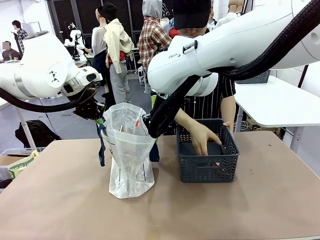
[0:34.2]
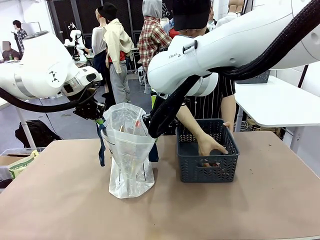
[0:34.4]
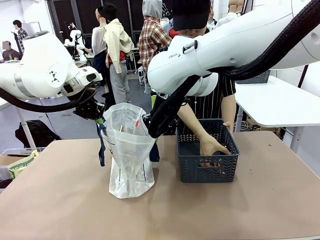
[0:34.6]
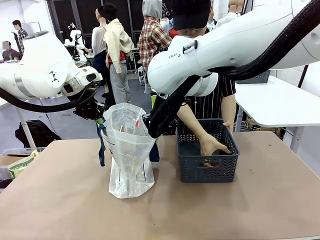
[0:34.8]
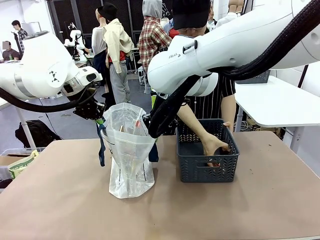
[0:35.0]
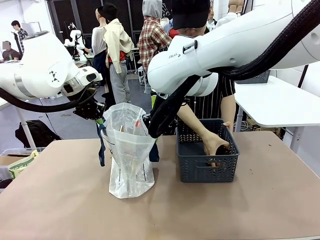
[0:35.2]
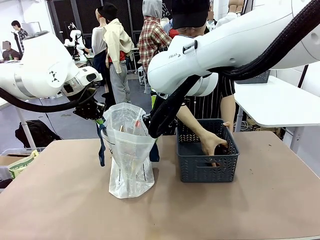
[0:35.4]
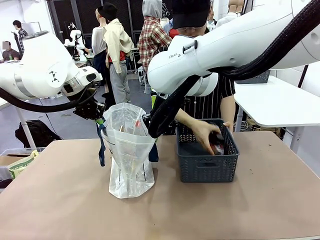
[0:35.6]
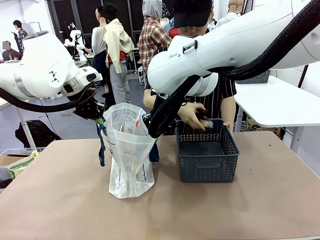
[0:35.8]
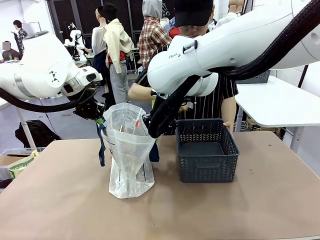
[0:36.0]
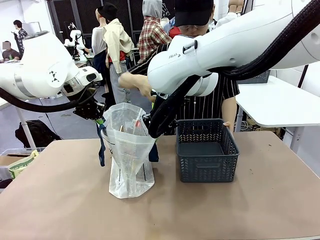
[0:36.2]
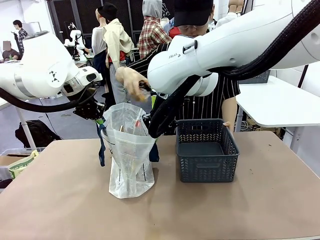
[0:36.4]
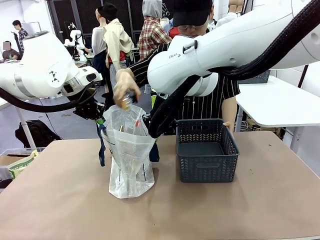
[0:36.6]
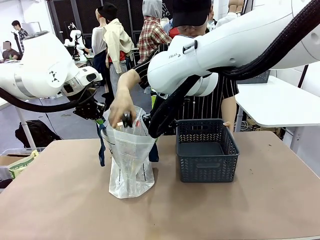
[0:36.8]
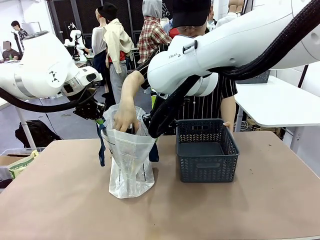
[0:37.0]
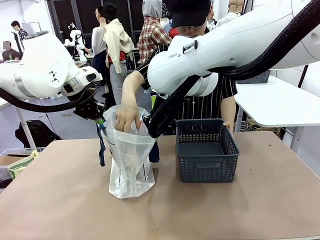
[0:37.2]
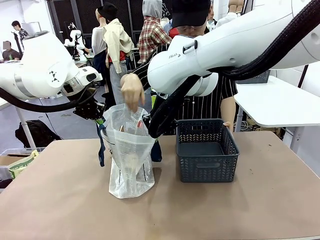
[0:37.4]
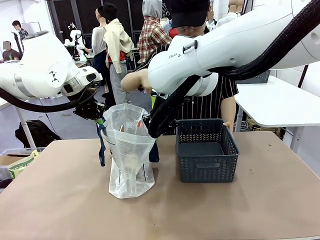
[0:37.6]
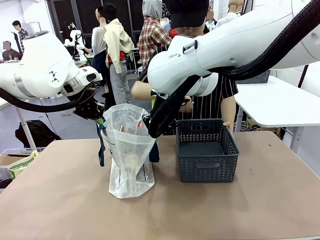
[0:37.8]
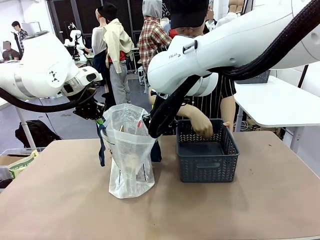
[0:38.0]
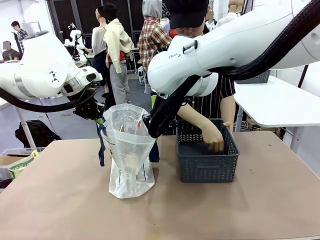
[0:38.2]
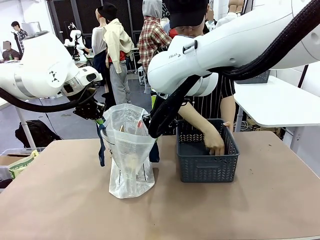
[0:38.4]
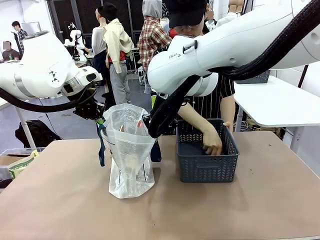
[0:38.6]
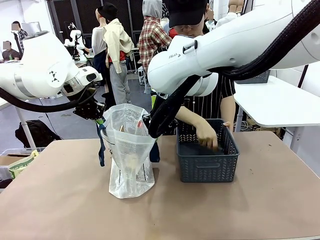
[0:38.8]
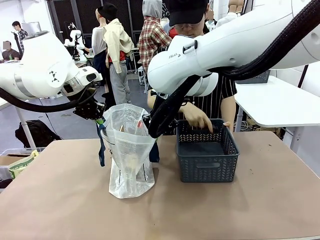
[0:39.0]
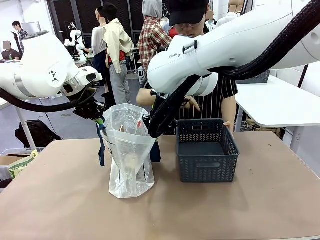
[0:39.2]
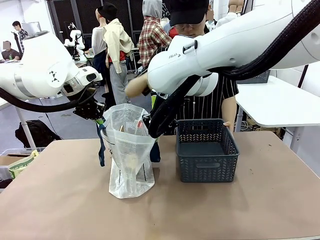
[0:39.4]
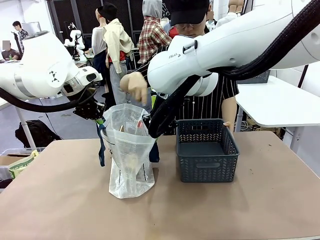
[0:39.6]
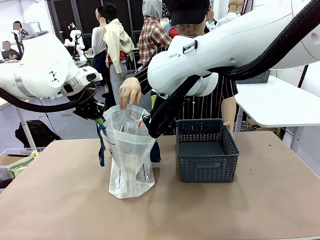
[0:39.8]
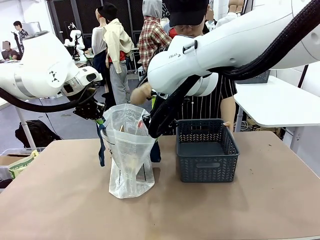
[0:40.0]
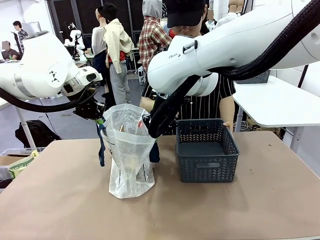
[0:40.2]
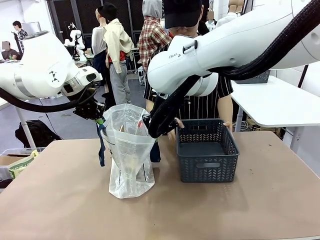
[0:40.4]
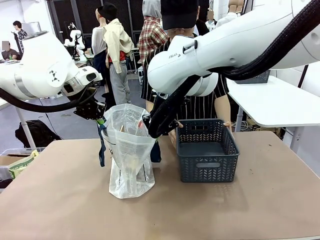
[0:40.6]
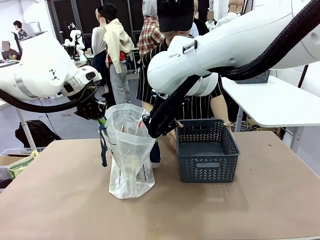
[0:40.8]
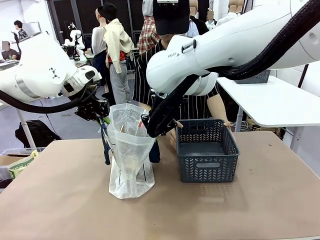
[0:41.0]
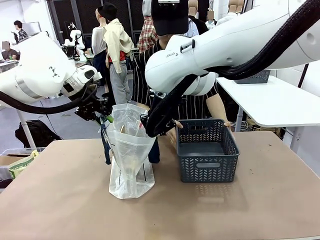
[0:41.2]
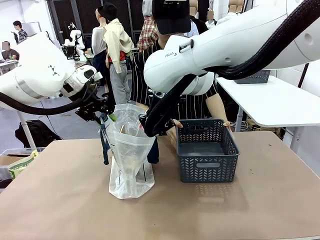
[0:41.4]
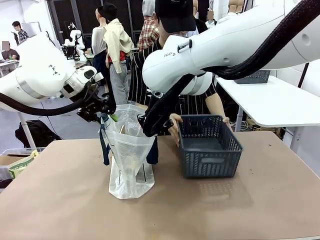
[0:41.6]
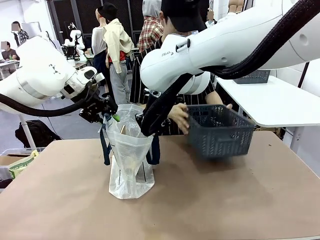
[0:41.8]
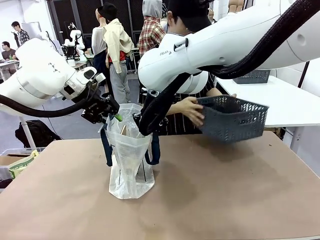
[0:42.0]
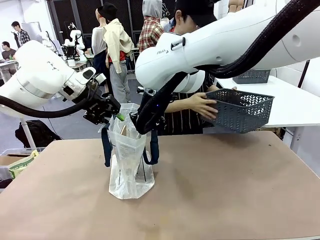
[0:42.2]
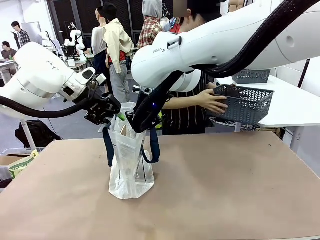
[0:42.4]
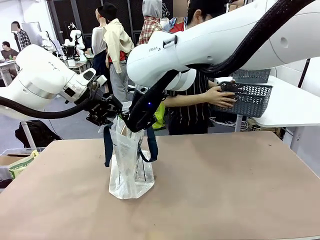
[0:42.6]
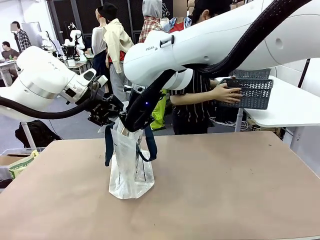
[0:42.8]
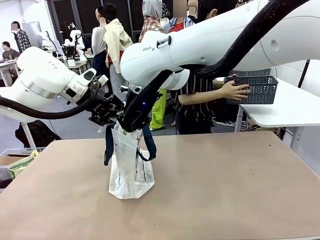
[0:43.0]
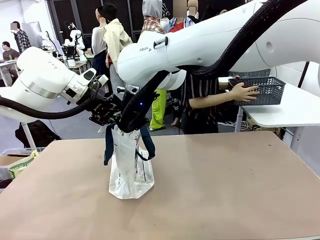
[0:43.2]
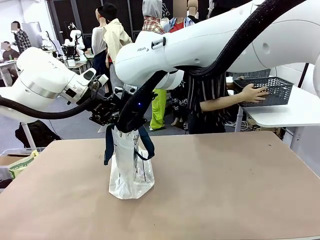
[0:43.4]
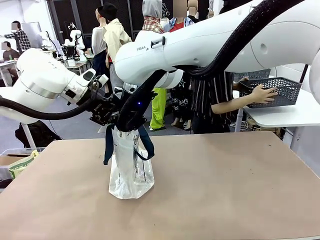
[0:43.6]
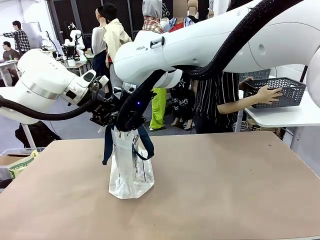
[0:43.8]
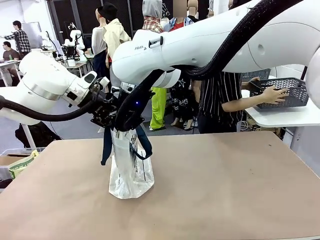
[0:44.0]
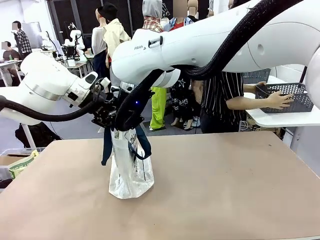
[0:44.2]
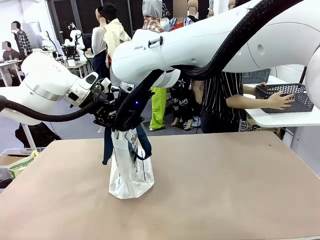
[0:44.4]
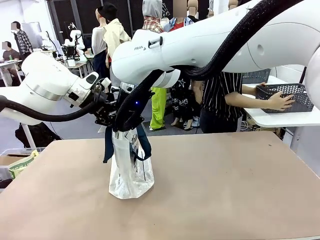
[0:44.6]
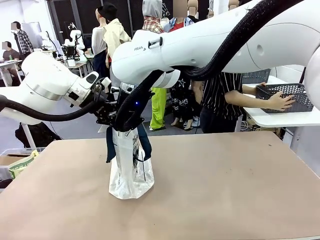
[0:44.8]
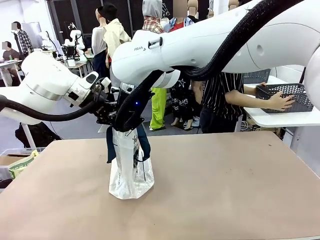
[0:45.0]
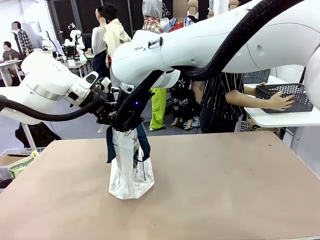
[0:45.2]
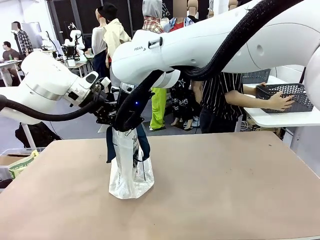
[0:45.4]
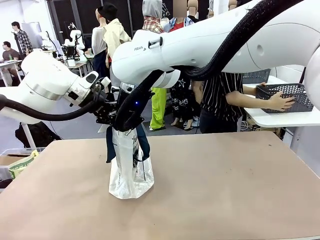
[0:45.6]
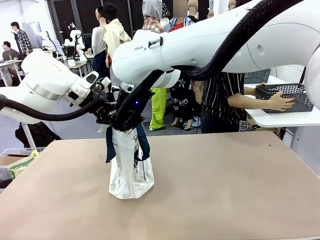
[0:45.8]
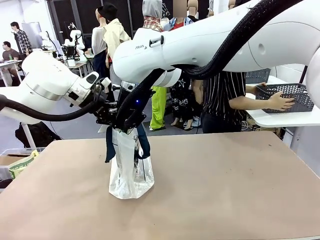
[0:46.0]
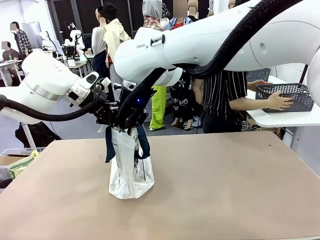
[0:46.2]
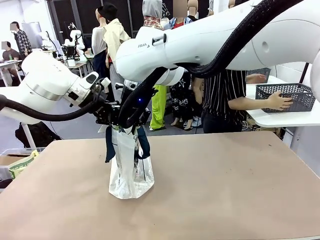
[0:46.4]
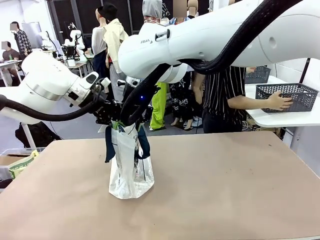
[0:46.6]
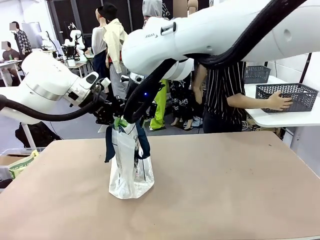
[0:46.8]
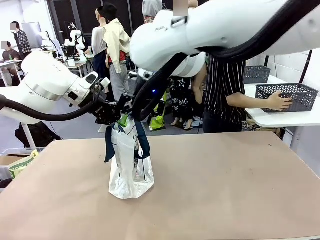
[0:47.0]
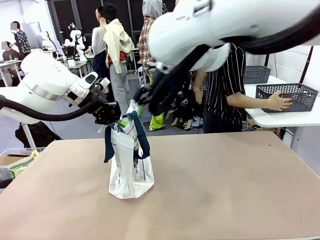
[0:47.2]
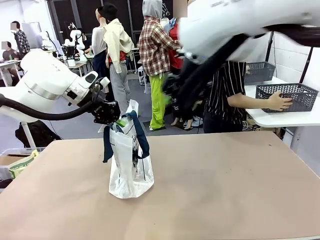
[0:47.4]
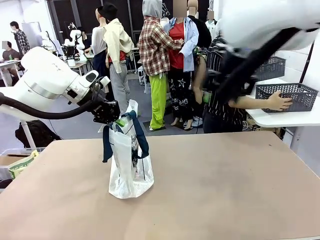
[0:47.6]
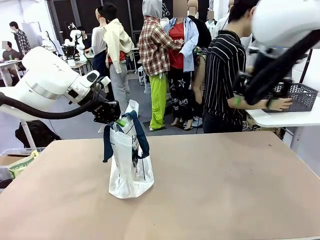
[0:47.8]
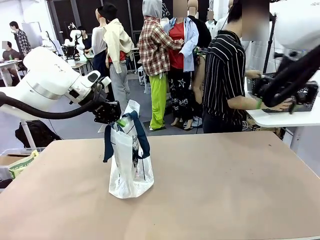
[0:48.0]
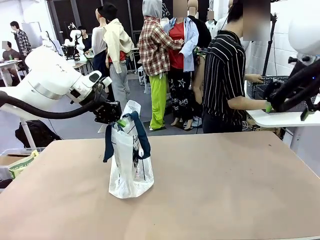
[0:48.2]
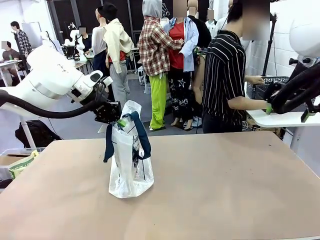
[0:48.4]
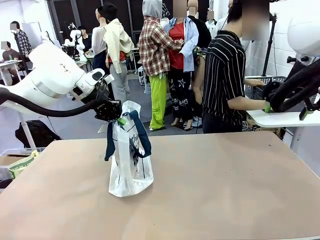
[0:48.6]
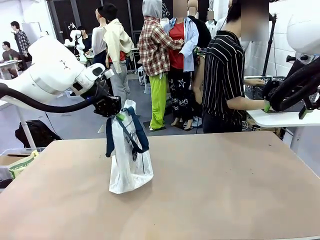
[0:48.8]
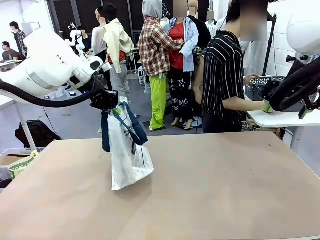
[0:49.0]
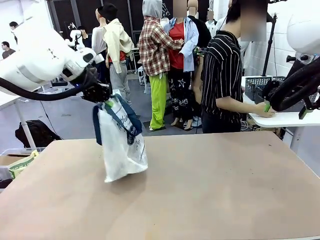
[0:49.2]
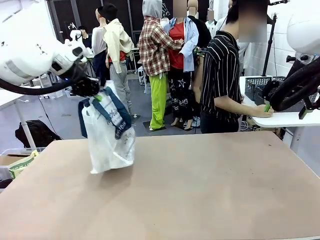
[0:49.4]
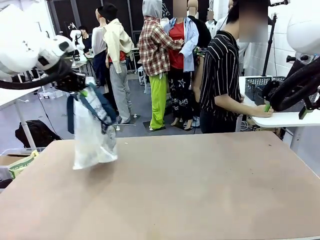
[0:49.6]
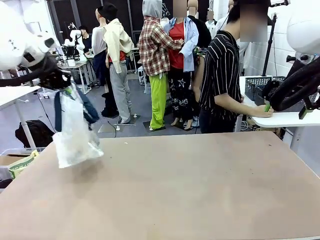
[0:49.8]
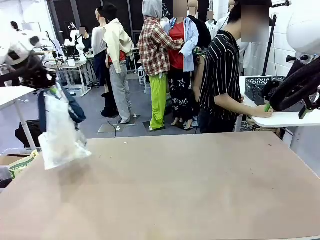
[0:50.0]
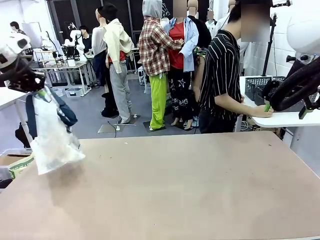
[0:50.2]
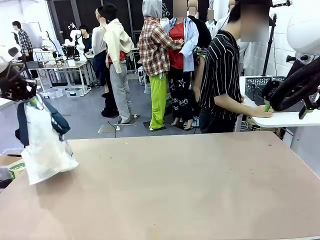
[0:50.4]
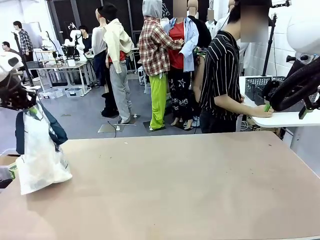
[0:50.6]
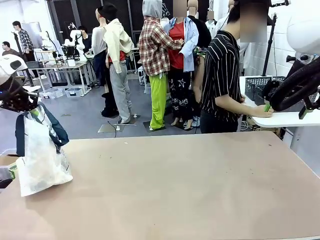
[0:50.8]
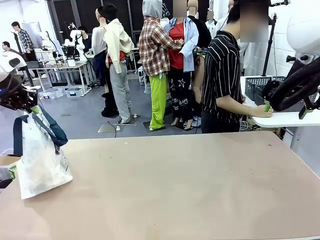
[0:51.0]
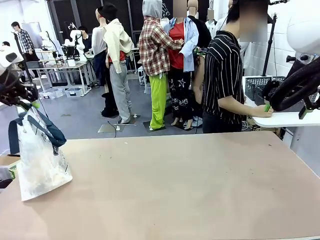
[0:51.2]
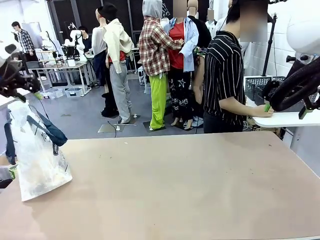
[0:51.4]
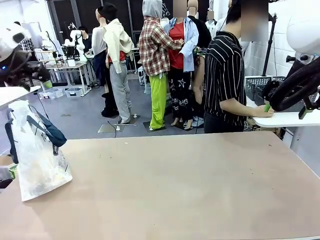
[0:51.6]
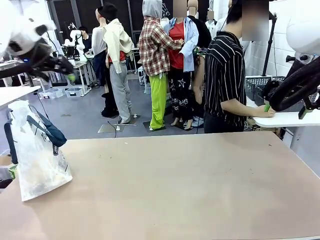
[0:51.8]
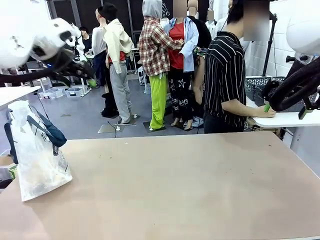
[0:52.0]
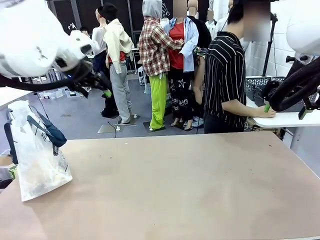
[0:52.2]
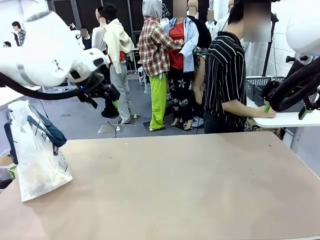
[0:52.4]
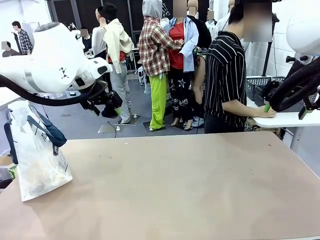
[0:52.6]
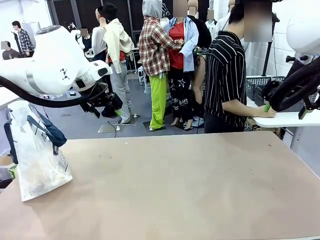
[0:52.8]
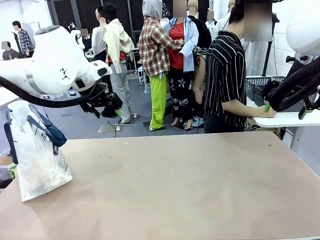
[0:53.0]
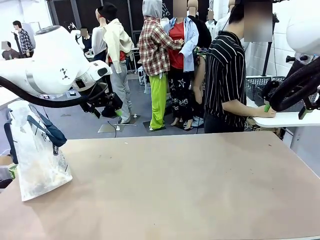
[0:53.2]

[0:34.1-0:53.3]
Task: Transfer purchased items from the store into the shopping bag.
Robot: Move the Reusable shopping bag to the right side of the table.
Person: Move the basket on the left to the middle of the person's table.
